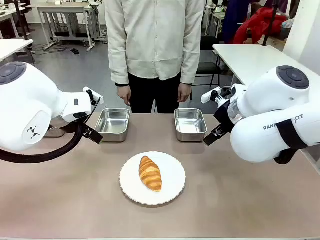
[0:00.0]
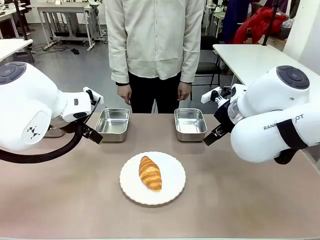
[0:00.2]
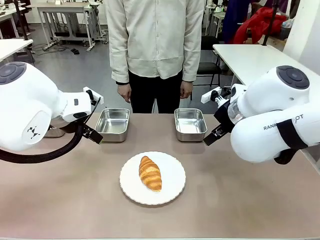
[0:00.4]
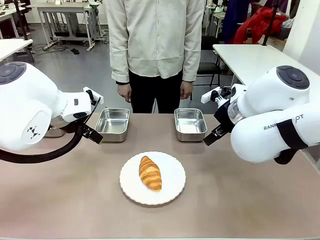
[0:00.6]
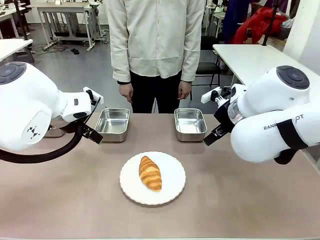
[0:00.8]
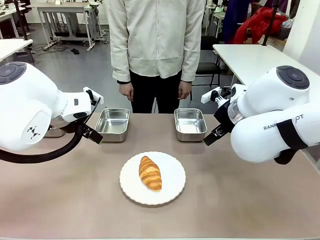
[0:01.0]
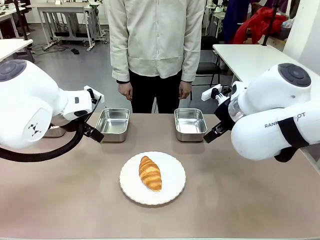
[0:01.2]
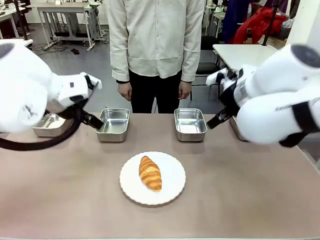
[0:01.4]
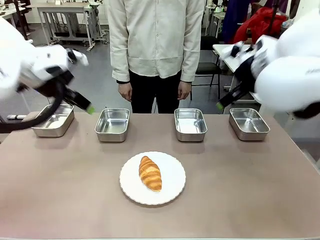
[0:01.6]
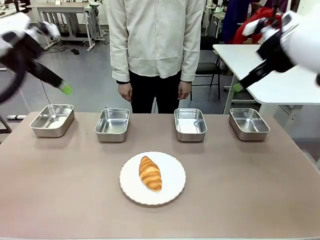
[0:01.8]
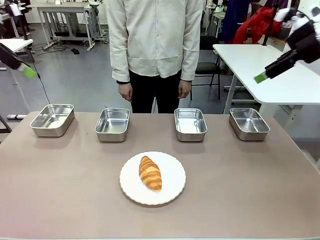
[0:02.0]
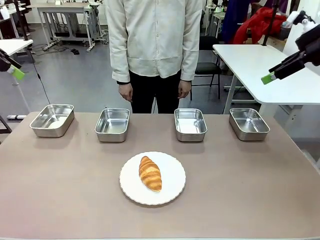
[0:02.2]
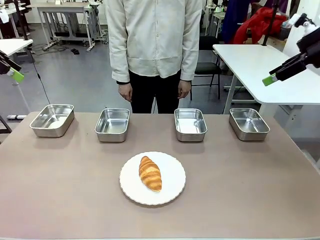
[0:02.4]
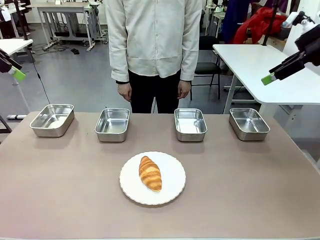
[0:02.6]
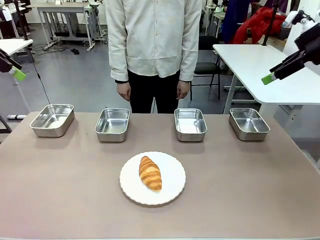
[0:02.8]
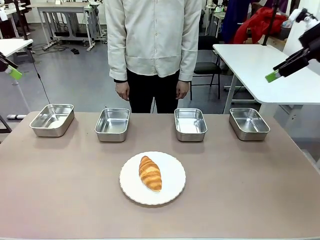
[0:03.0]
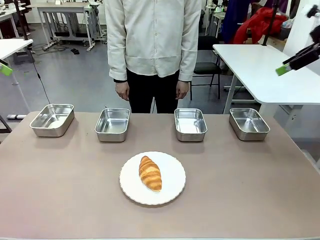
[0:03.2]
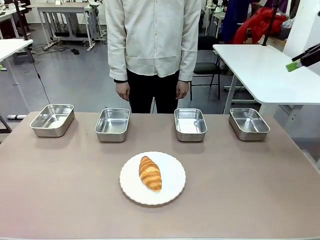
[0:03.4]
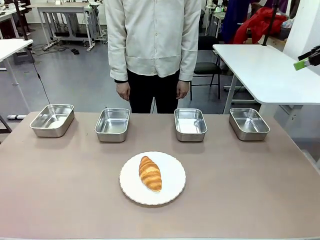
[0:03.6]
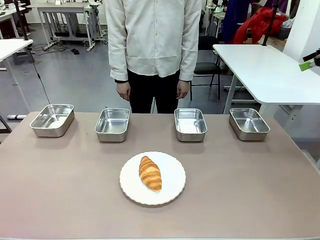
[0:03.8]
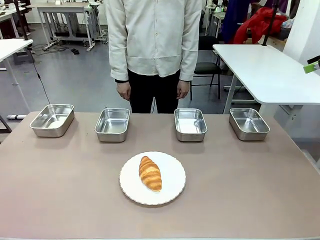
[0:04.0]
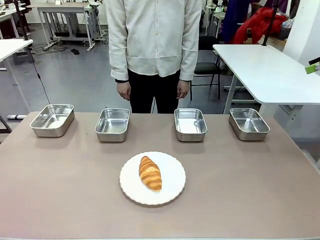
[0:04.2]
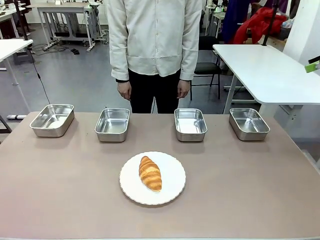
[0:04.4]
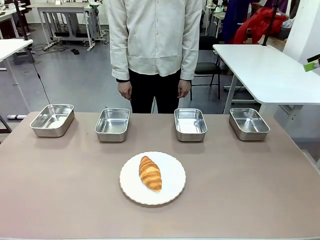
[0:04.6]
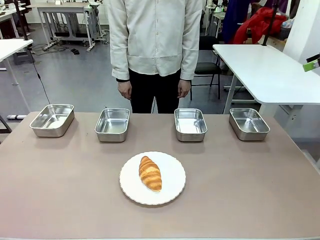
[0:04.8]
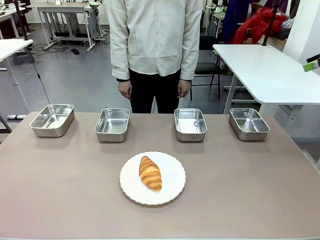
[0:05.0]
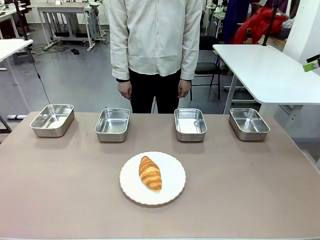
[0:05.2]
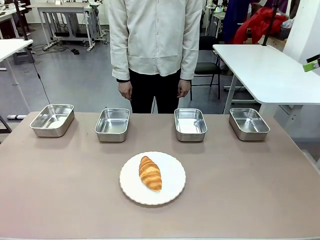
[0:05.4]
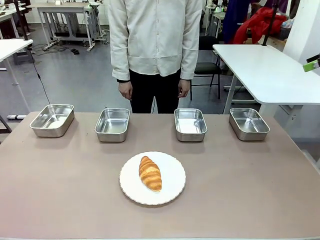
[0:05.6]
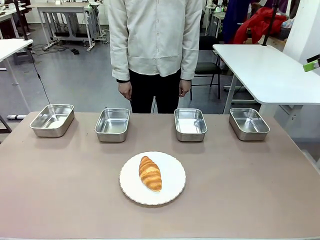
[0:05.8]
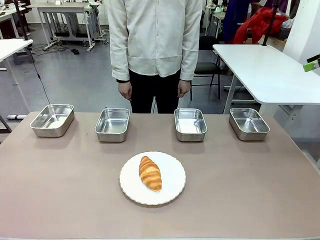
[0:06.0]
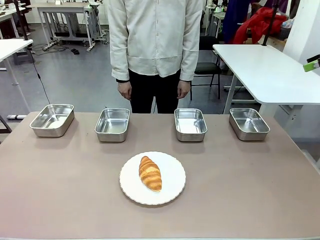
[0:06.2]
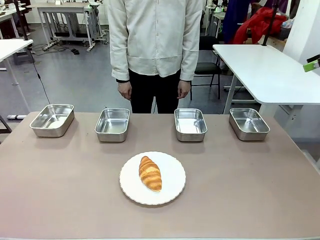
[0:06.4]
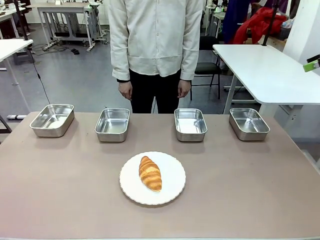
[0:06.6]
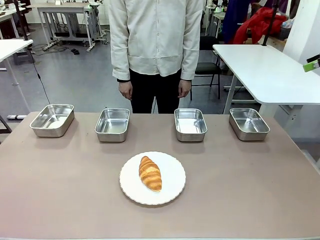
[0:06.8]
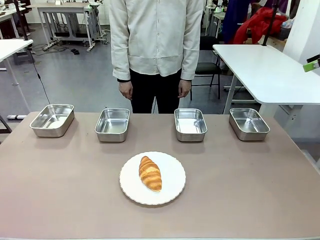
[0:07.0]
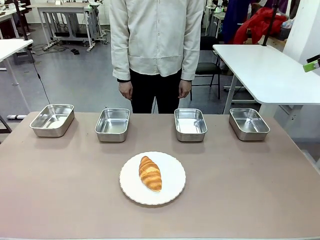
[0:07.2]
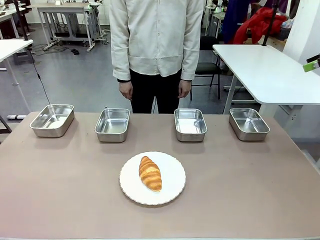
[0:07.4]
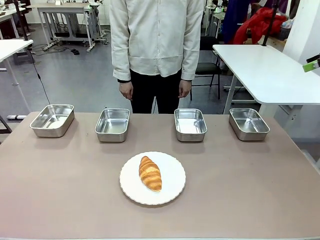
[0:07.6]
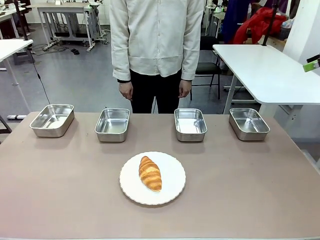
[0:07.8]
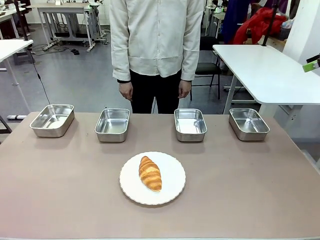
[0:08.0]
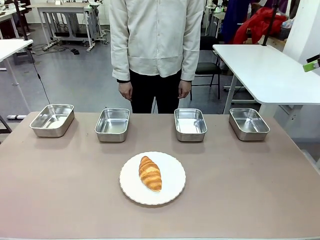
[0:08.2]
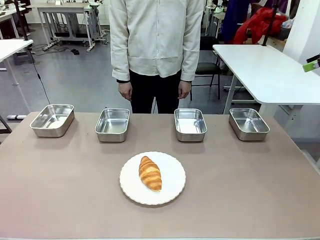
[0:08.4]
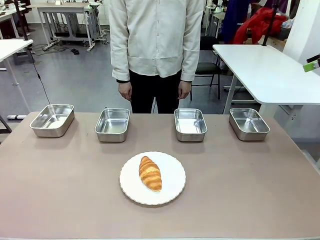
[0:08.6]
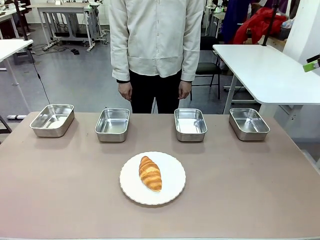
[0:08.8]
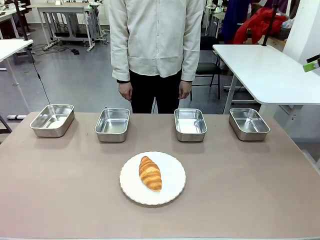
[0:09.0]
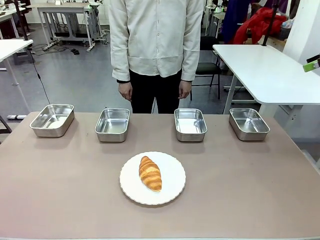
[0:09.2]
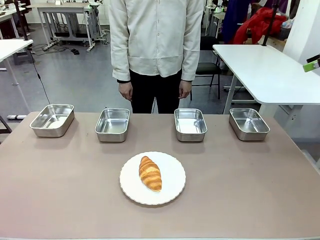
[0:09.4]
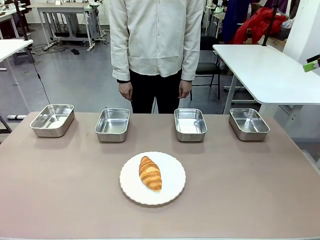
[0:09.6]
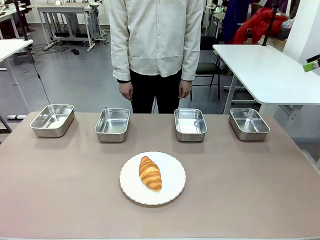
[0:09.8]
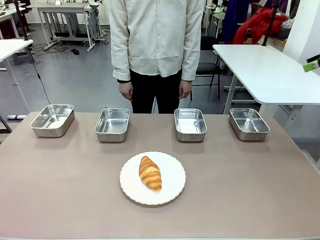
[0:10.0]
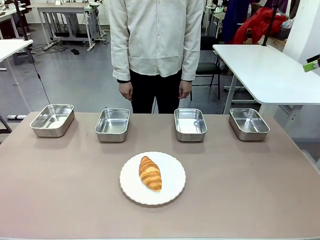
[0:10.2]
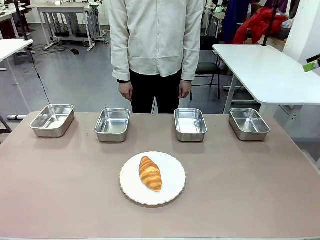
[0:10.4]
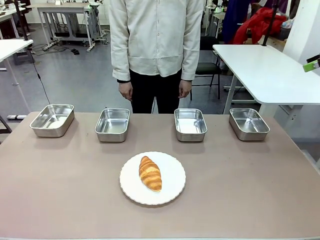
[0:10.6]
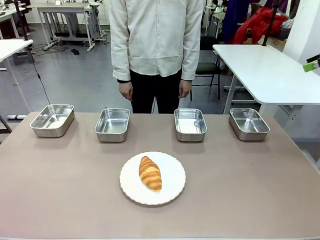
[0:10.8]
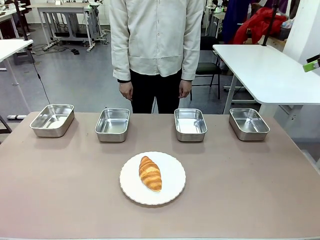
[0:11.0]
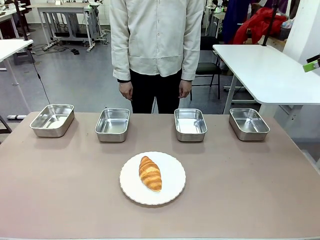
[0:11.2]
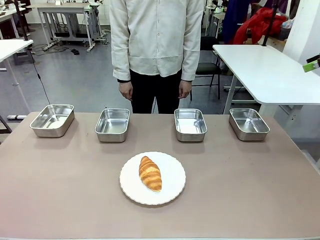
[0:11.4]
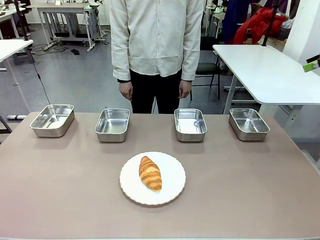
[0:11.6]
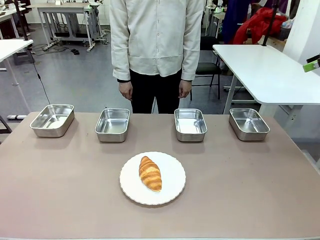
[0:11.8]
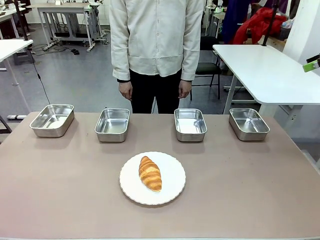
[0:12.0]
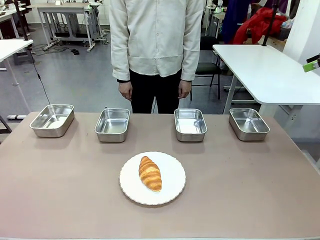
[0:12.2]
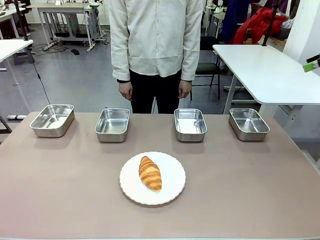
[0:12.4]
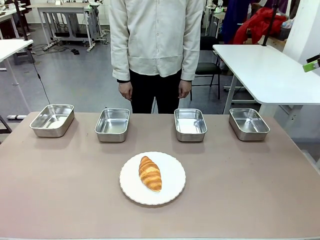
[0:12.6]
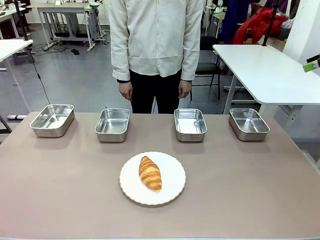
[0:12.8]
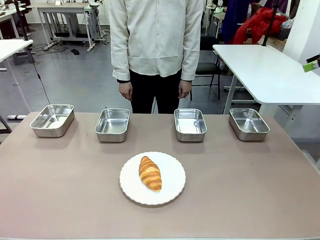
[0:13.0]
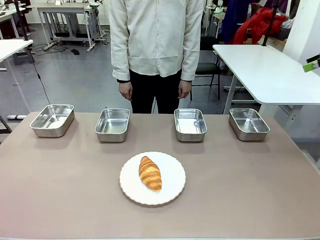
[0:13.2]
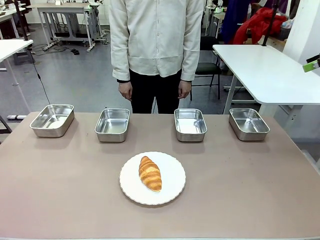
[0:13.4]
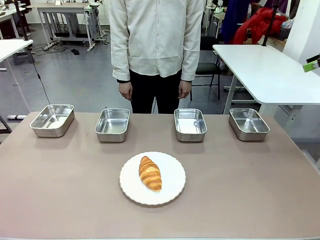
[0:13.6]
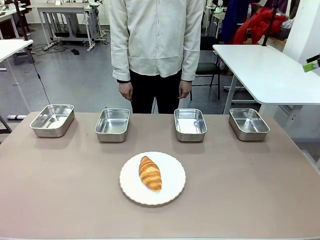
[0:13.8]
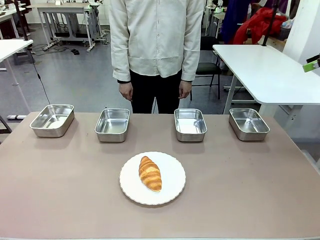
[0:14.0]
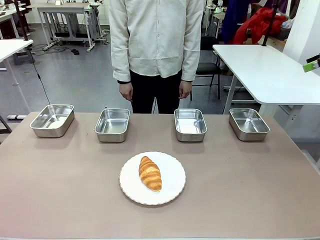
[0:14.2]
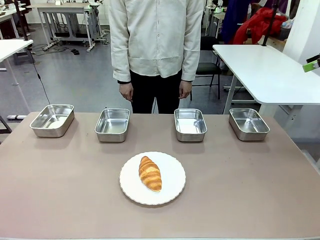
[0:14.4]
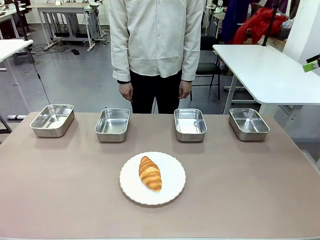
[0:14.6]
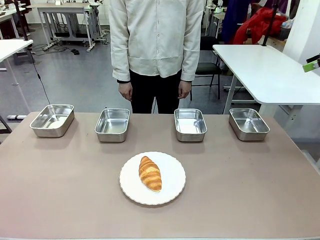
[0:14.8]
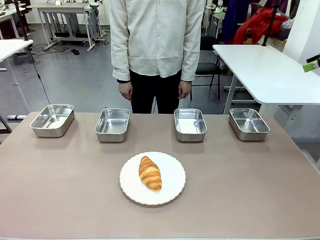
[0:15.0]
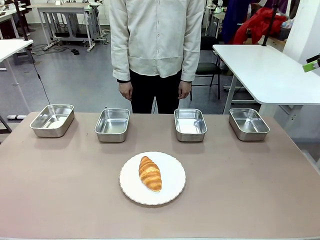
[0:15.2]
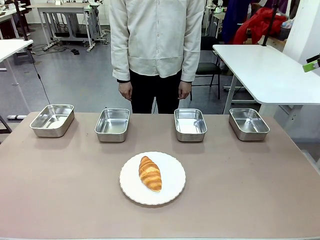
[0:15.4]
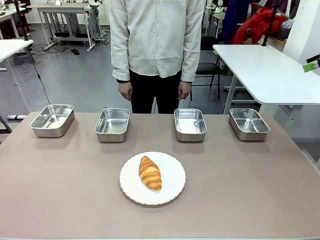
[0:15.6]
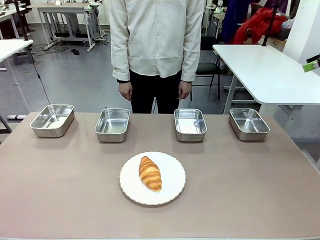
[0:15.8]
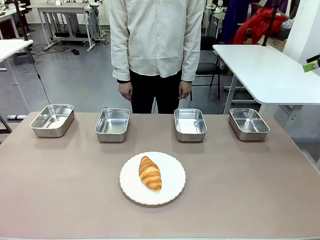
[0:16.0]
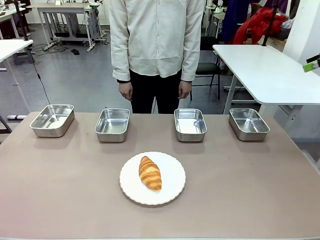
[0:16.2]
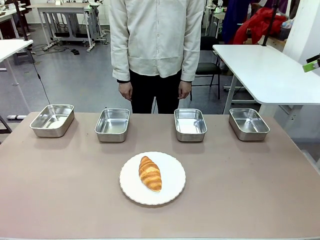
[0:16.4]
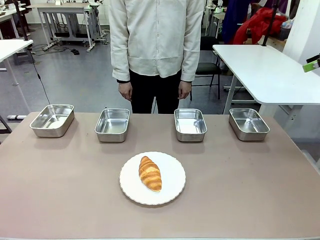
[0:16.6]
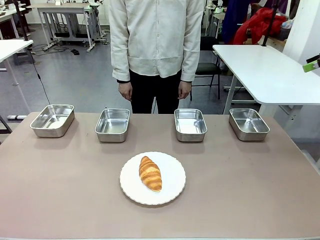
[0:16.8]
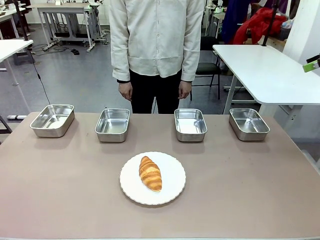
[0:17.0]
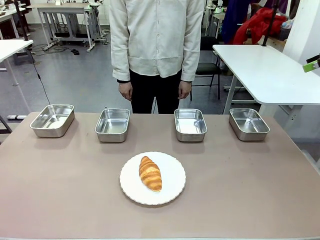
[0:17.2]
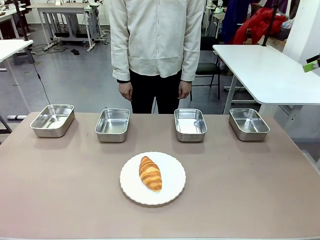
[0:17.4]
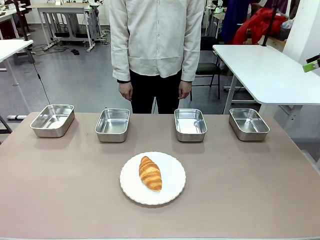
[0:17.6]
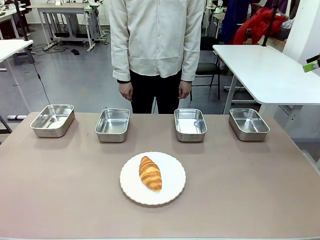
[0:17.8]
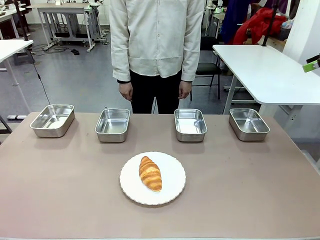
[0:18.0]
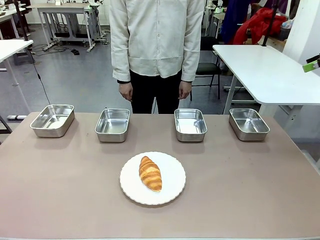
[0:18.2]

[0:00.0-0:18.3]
Task: Place the bread in the container.
Robot: Place the Butter Roll into the Airtight Container indicated by the human.
